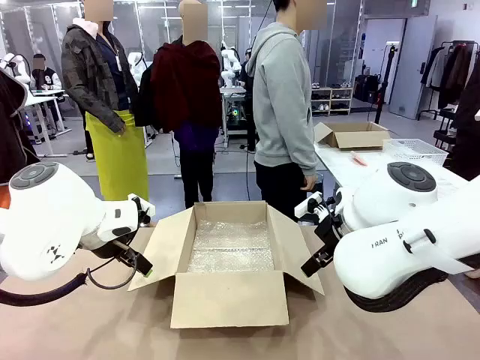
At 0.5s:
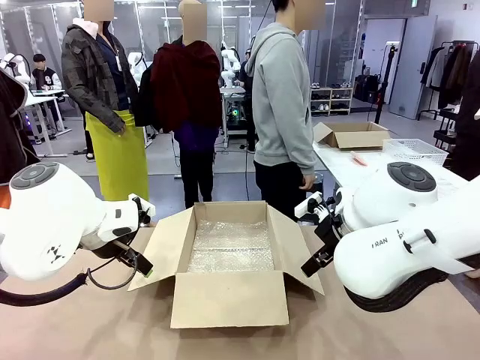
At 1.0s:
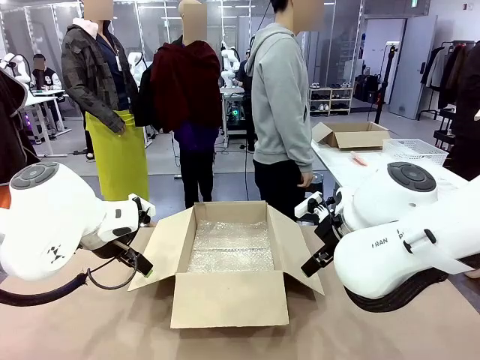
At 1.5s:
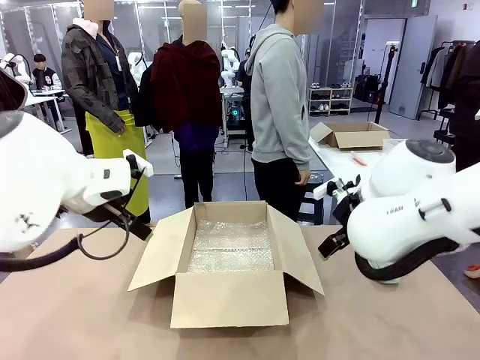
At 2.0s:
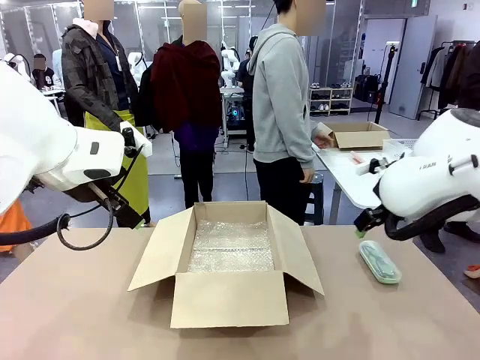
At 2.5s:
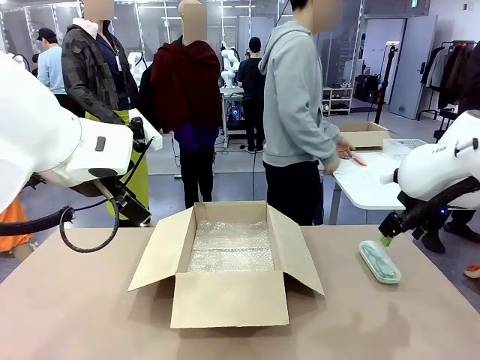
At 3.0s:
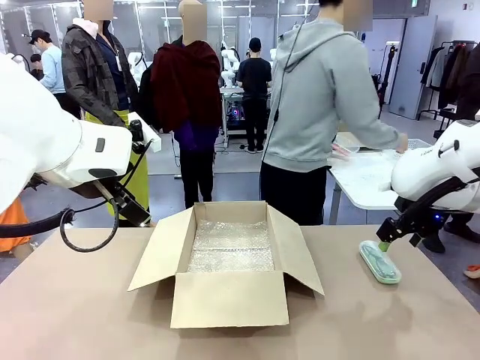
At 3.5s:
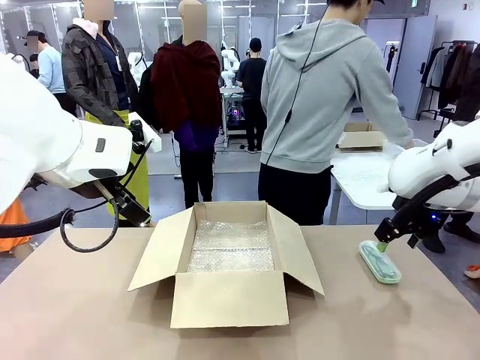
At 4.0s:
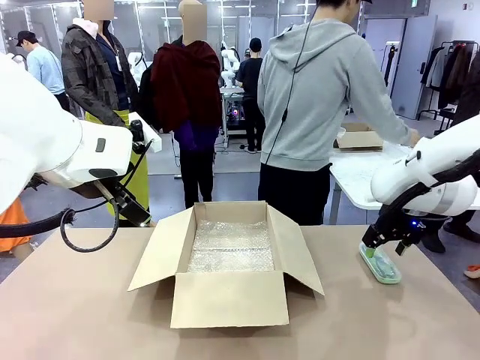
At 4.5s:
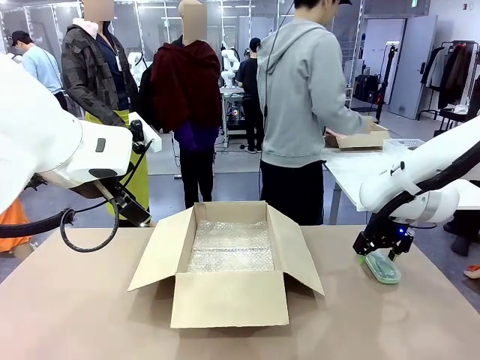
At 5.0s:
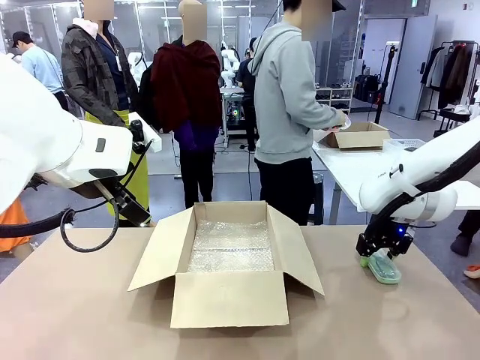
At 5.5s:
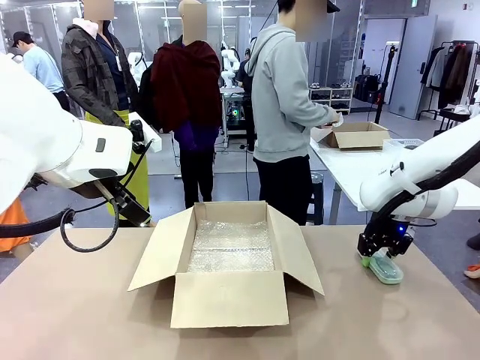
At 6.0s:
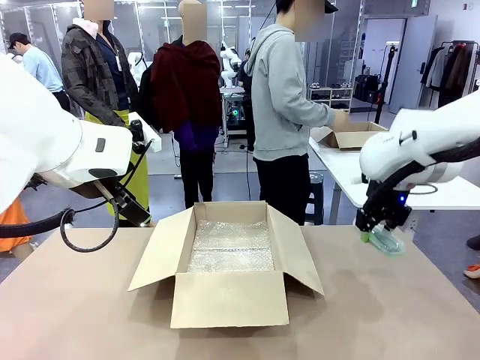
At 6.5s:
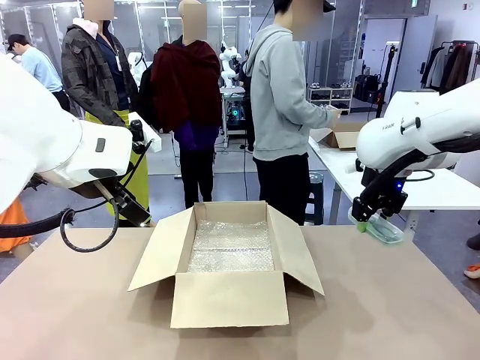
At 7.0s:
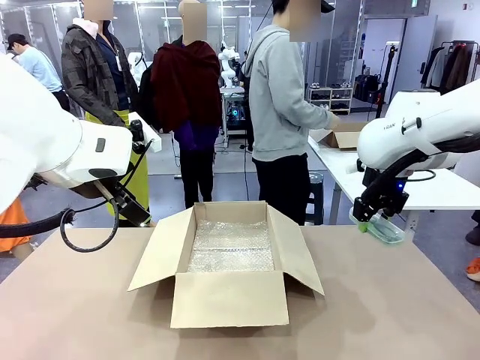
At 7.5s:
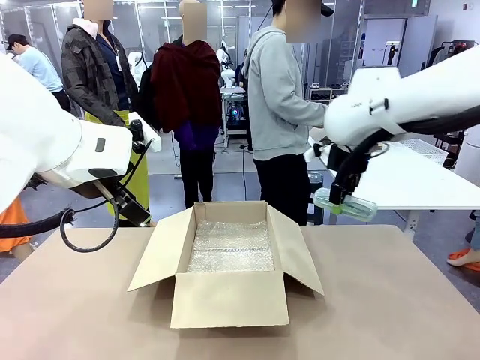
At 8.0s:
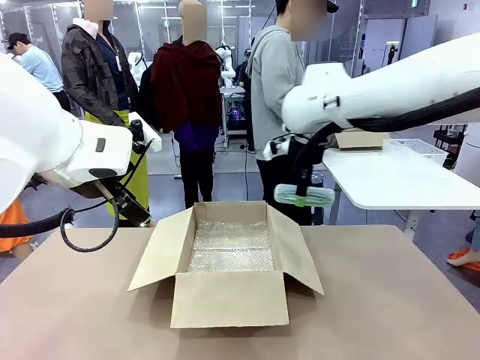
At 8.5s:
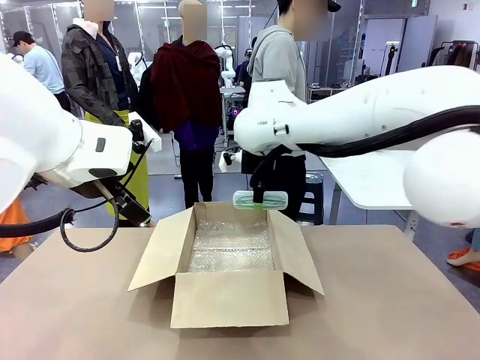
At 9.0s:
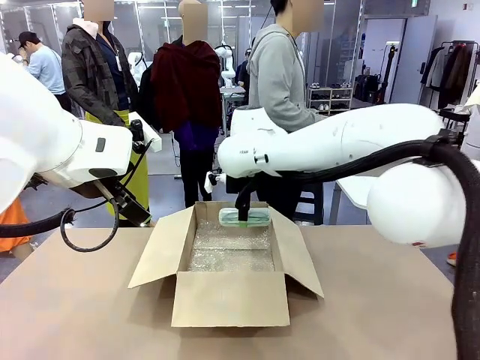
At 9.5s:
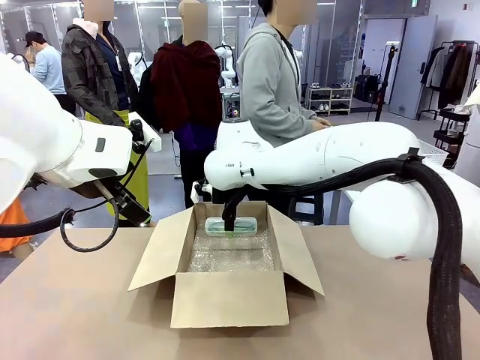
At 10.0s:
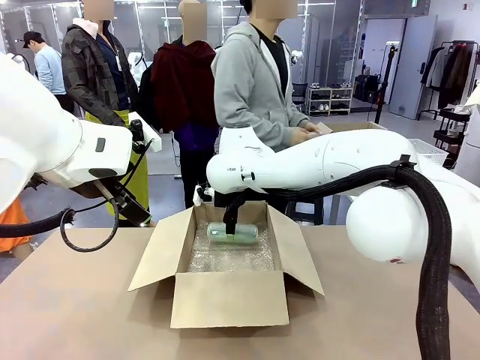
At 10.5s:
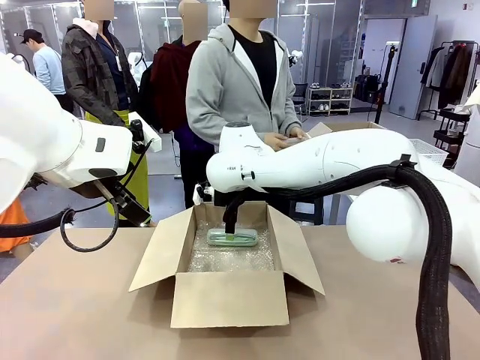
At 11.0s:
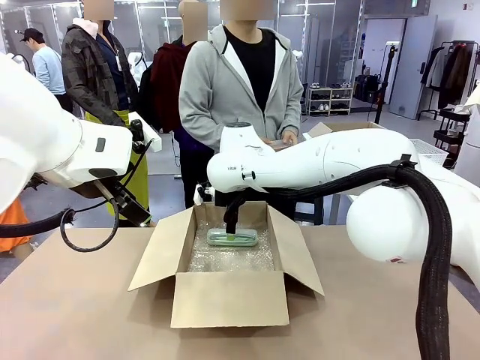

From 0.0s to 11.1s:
Task: Pack the glasses set securely to prepare it for shipping.
Robot: Place the Glasses case inside the Package Box.
Person: Place the Glasses inside the Glasses case.

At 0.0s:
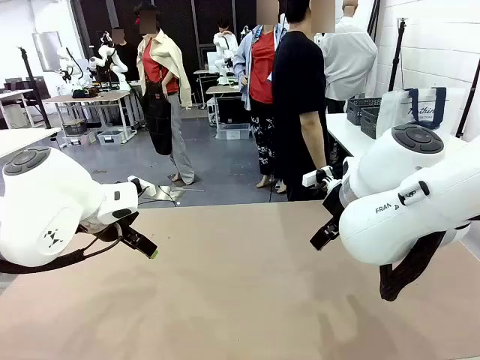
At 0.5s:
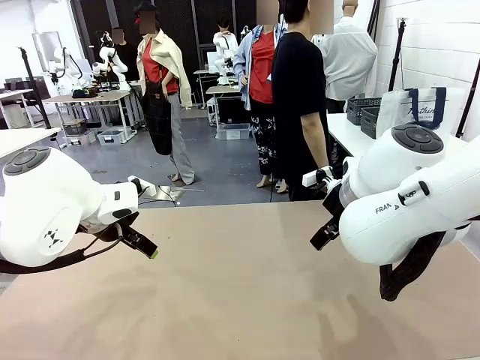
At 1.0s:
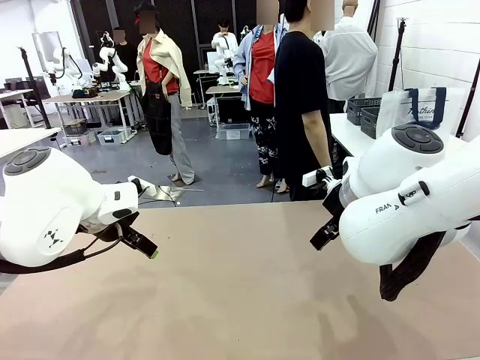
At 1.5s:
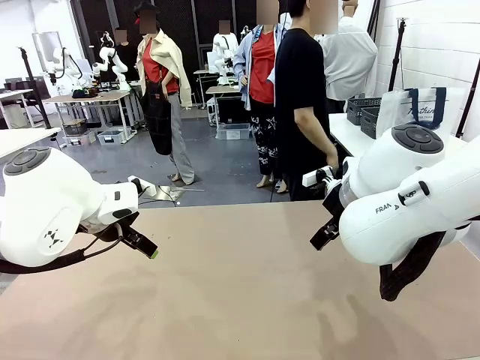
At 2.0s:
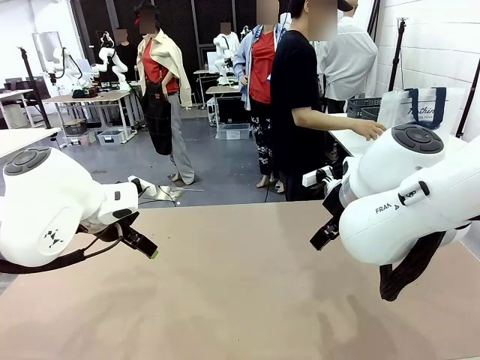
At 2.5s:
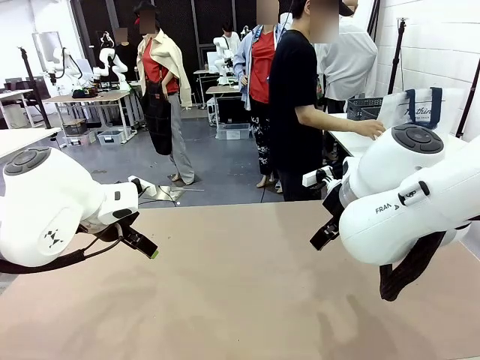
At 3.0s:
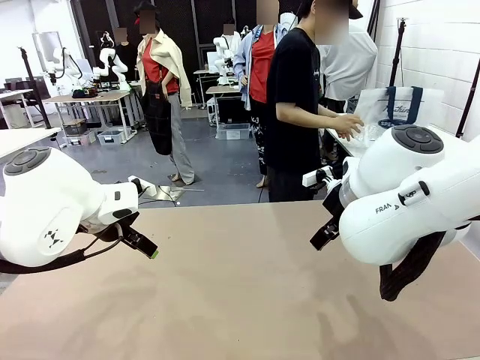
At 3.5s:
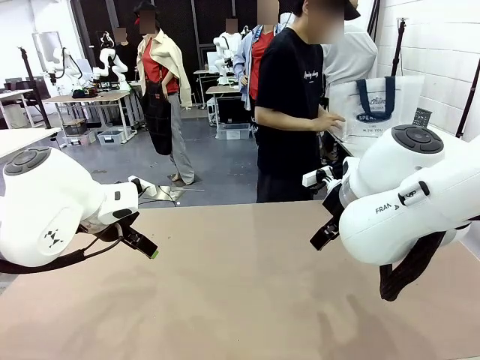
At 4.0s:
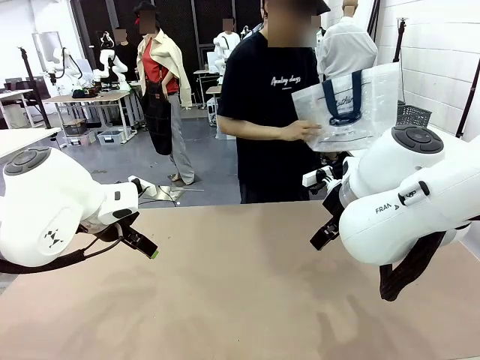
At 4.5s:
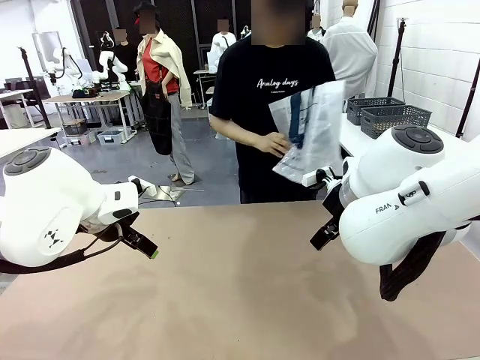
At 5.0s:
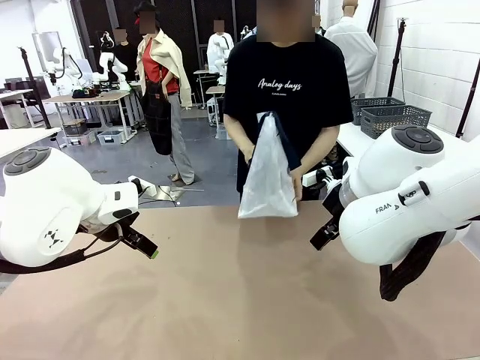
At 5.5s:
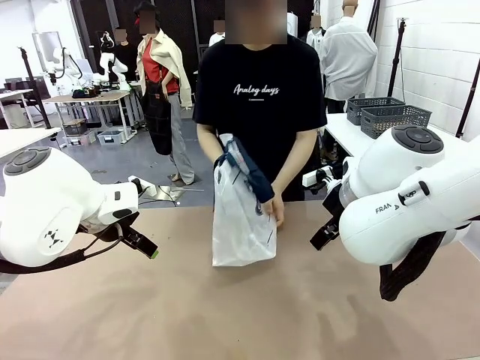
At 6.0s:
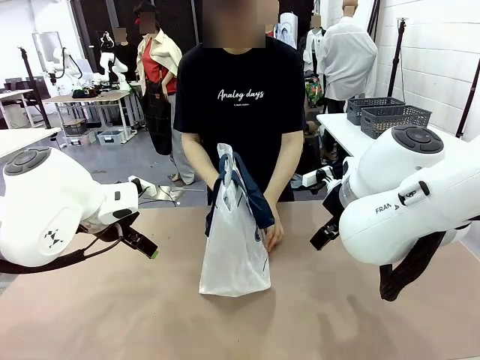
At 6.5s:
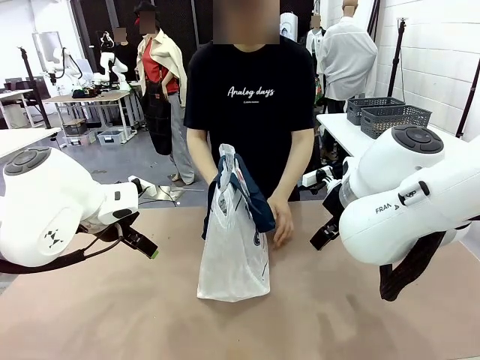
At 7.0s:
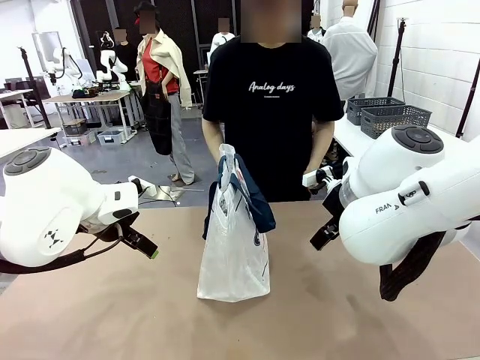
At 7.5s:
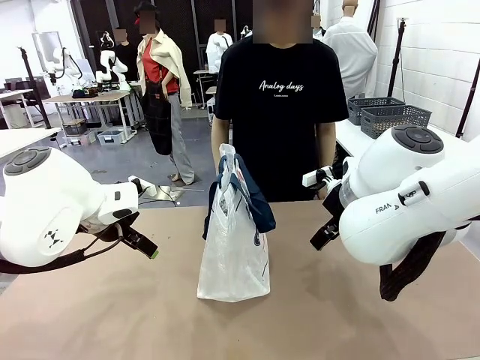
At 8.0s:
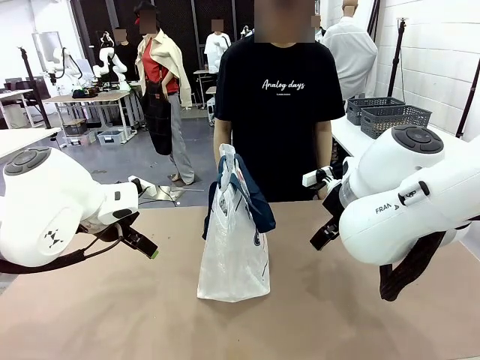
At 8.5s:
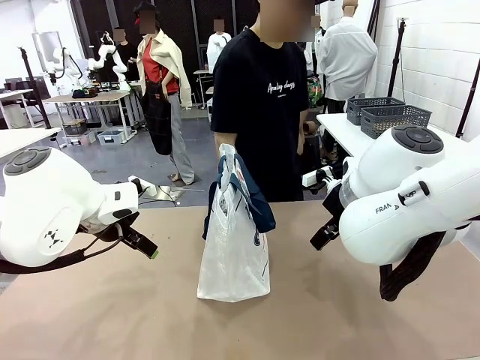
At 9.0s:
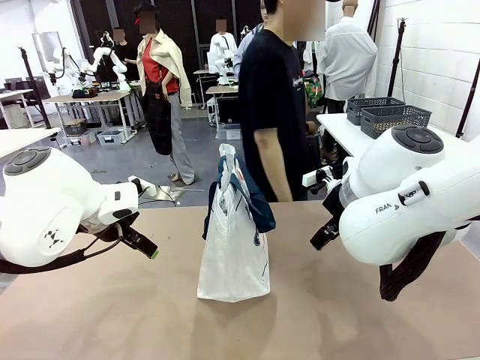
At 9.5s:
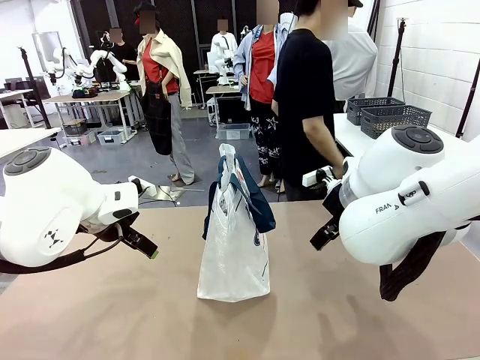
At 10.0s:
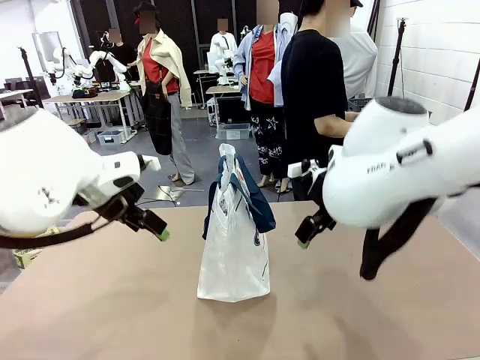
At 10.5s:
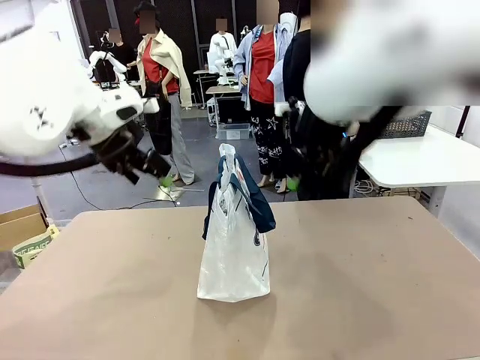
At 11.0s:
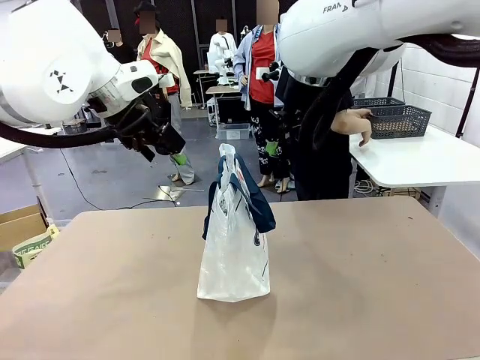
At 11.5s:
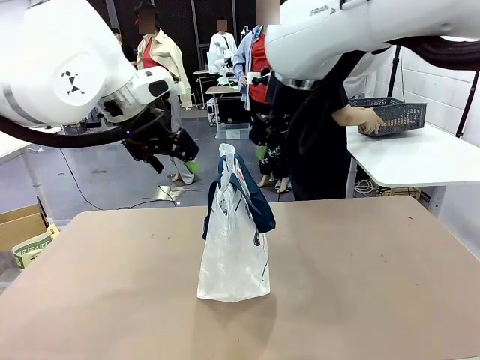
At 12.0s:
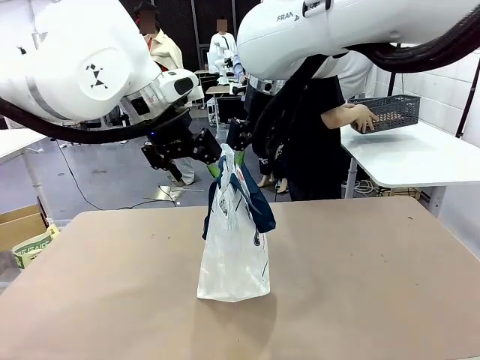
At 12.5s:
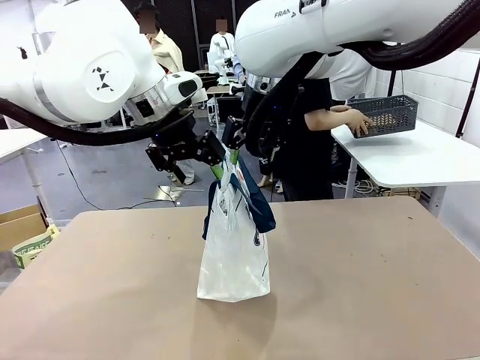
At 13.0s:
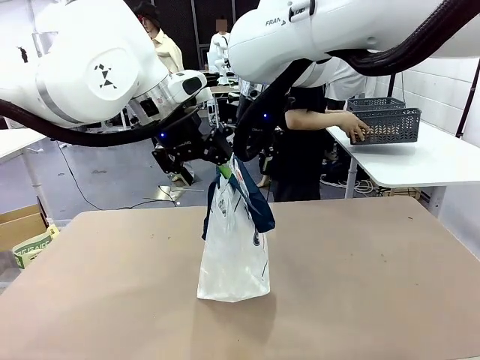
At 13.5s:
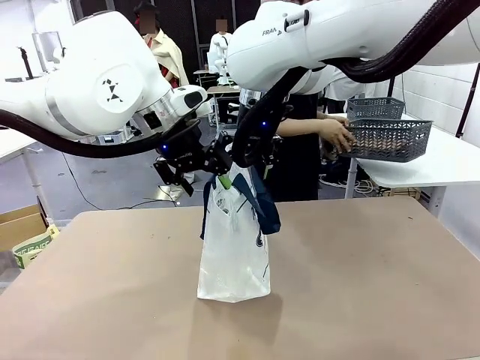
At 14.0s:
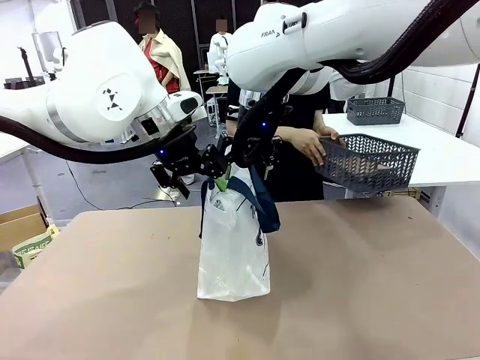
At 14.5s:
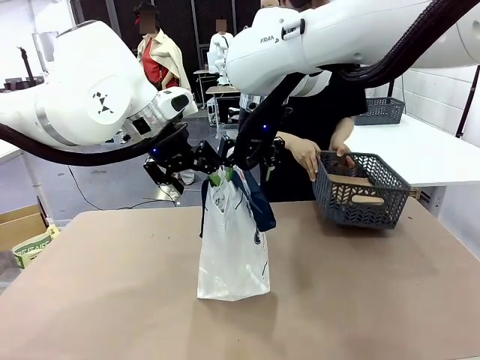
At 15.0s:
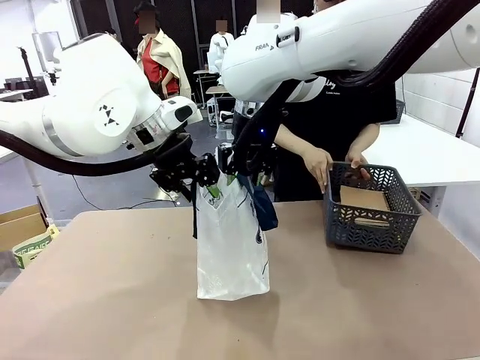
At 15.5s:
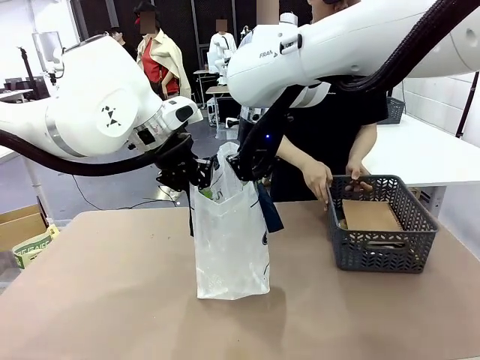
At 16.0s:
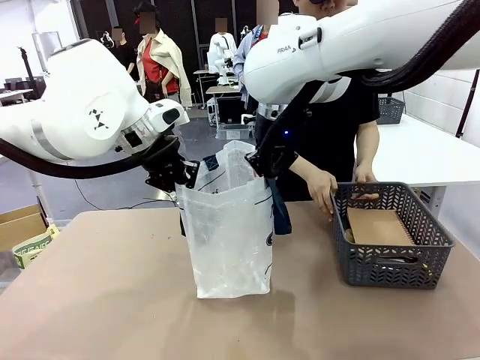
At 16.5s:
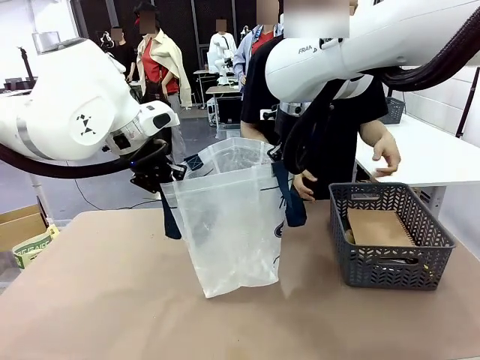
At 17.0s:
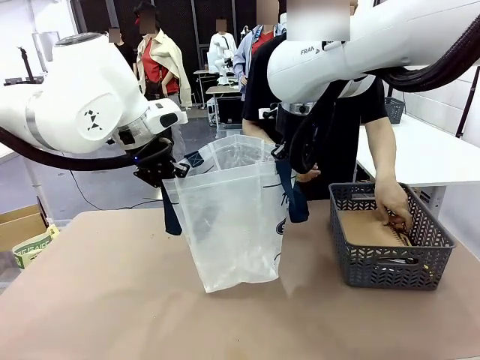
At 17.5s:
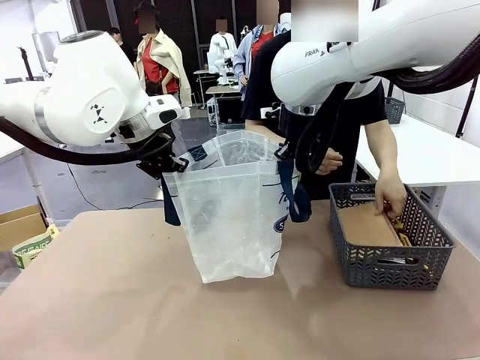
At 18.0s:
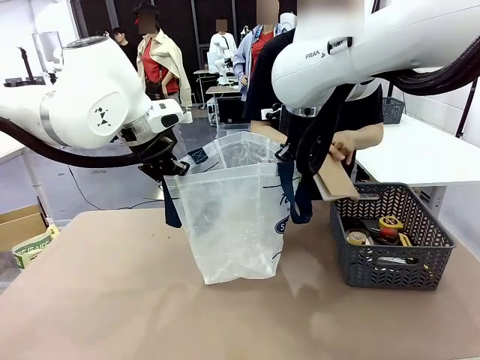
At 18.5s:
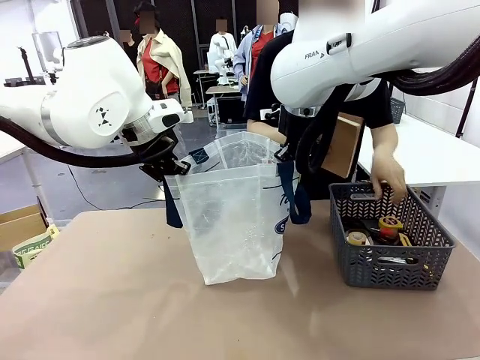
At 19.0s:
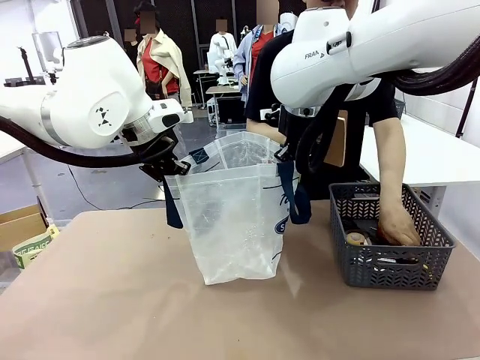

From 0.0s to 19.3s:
Task: Transfer purchased items from the store into the shopping bag.
Robot: Open the Reusable shopping bag in the center of the table.
Person: Pick up the shopping bag and place it in the middle of the robot table.
